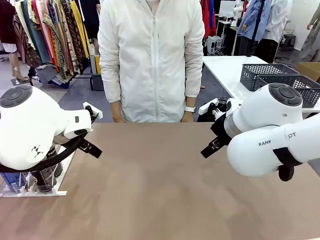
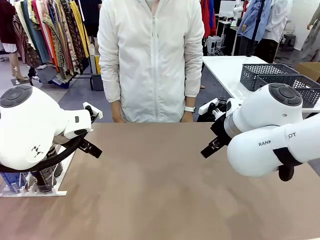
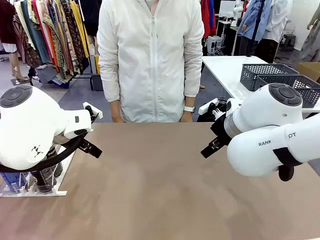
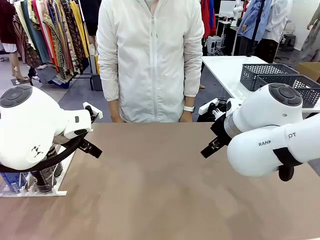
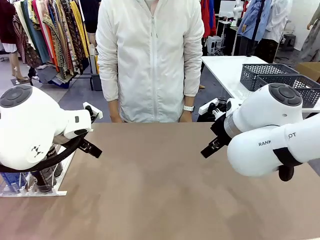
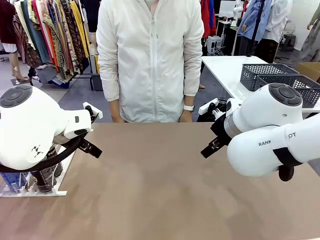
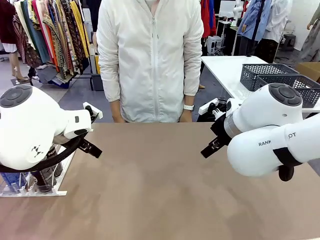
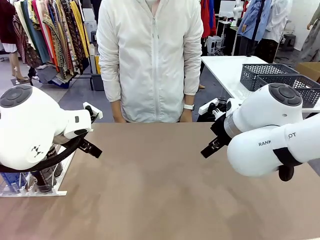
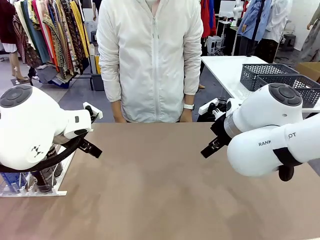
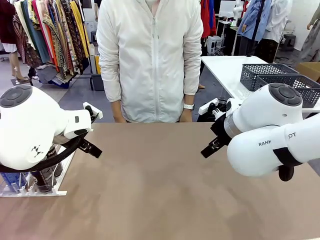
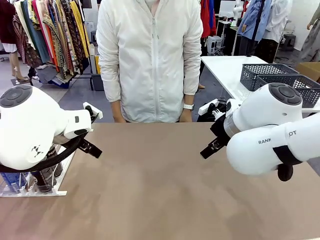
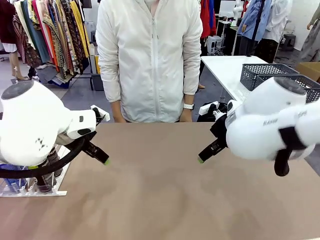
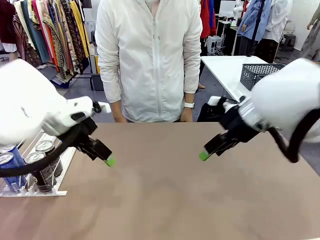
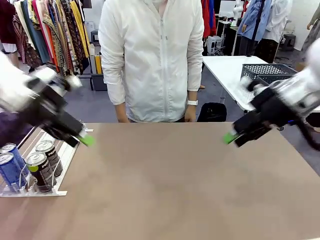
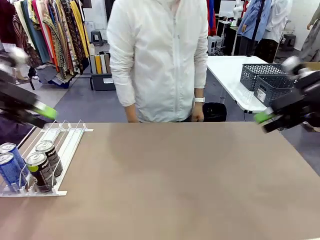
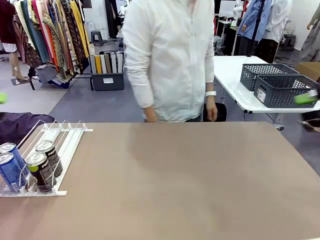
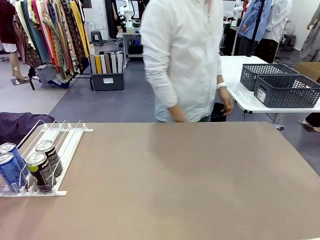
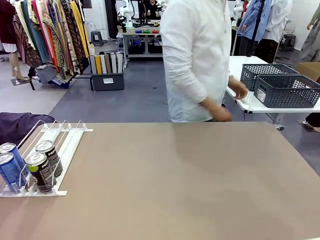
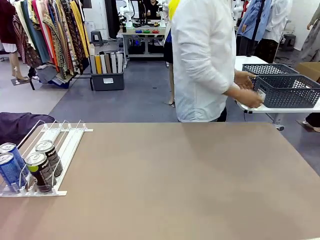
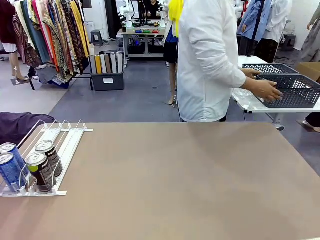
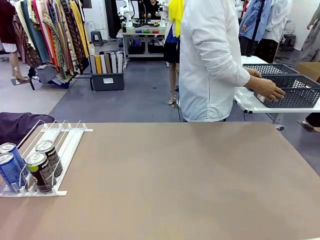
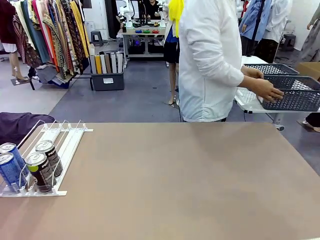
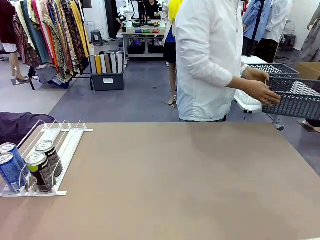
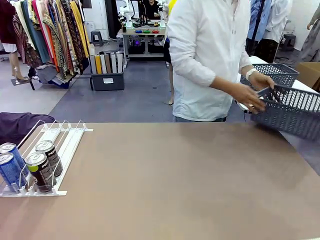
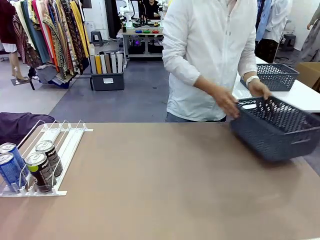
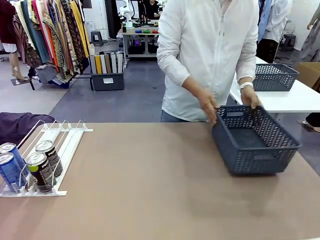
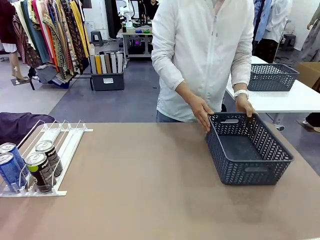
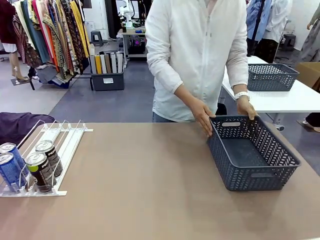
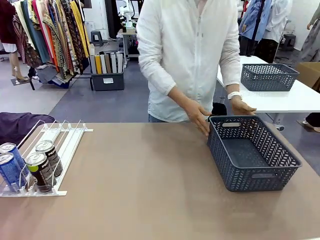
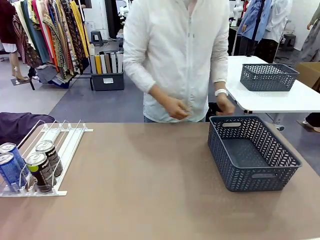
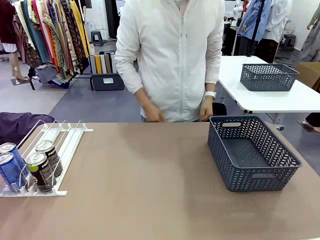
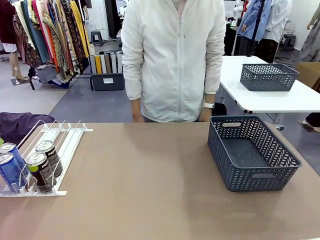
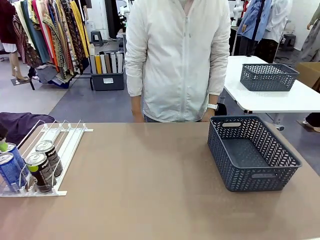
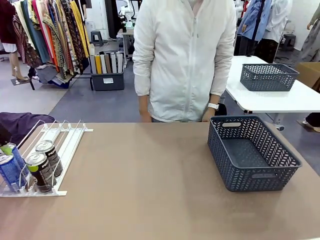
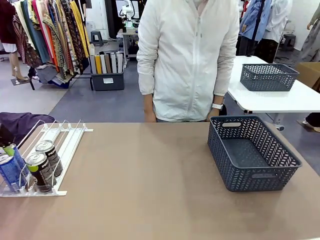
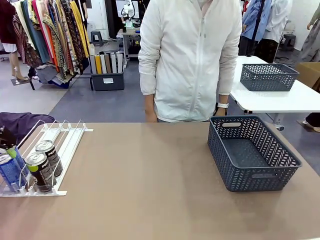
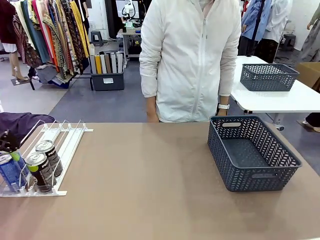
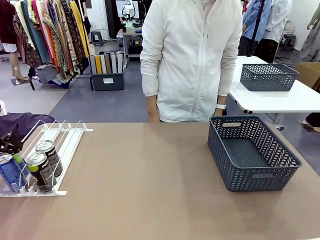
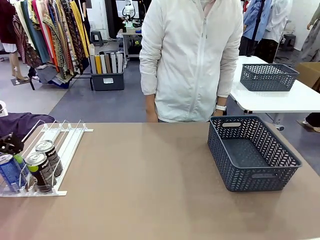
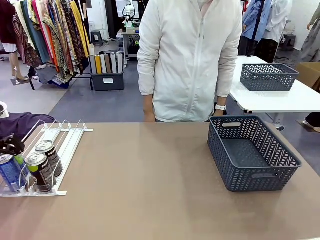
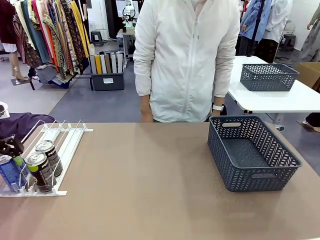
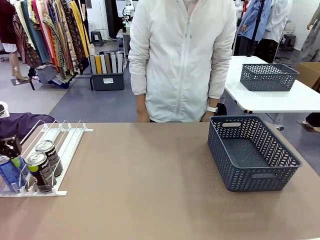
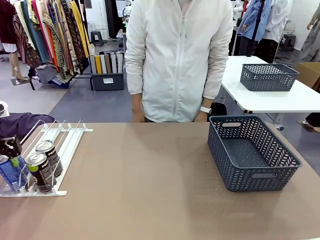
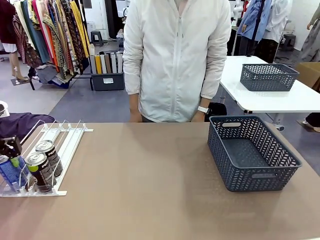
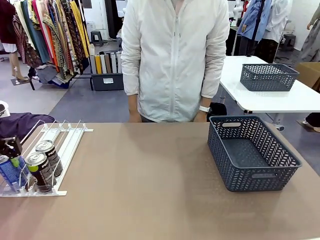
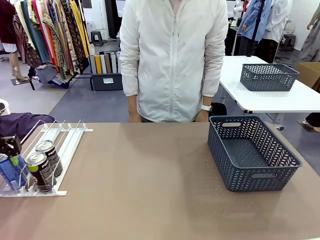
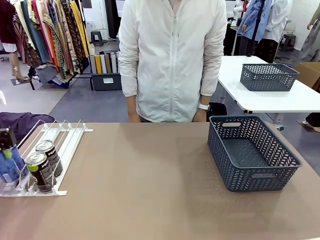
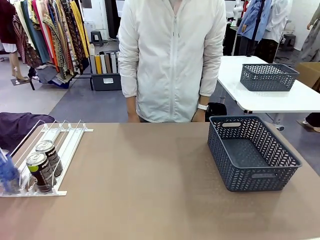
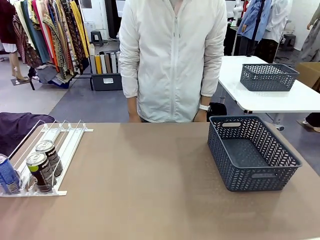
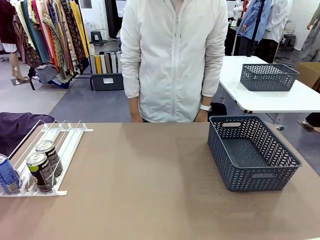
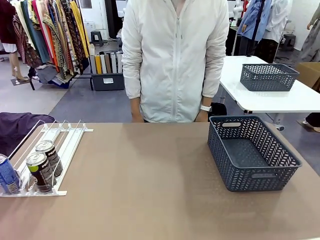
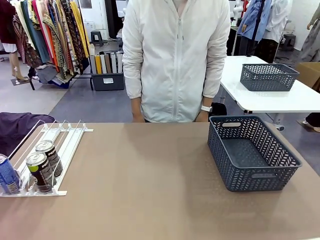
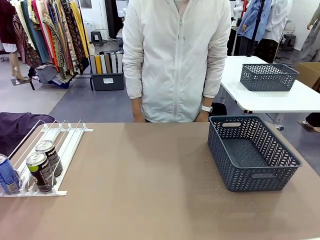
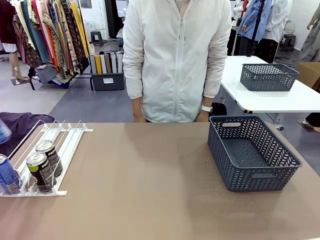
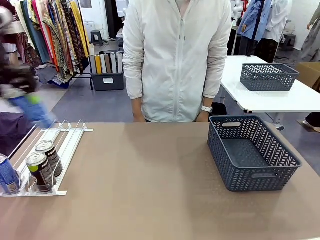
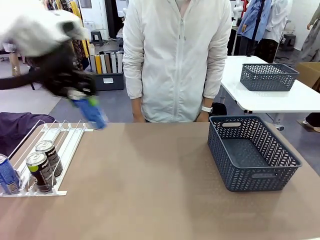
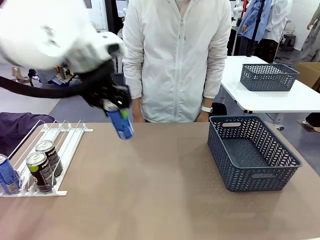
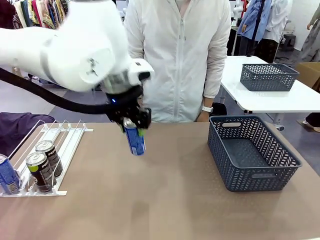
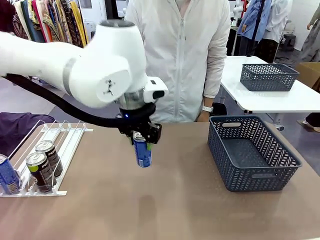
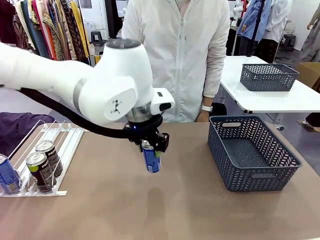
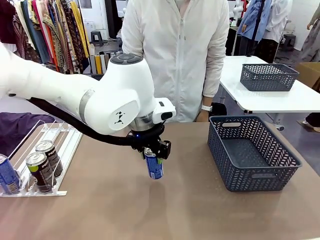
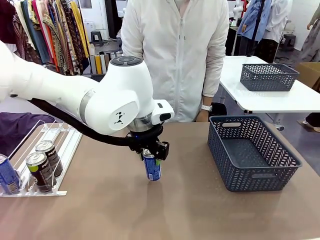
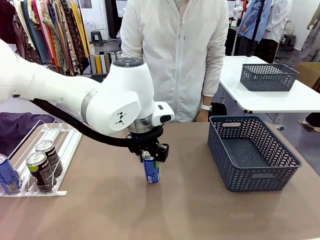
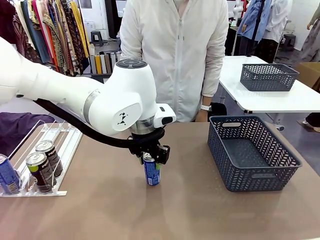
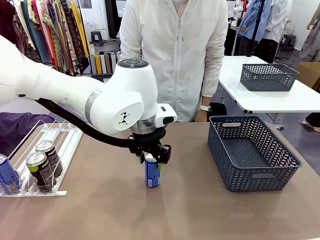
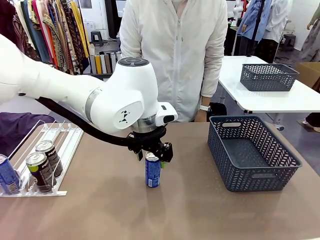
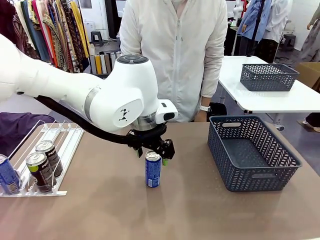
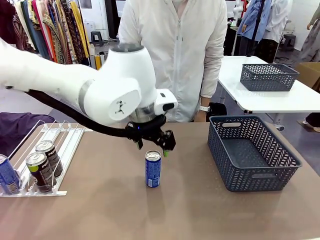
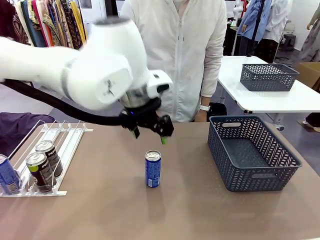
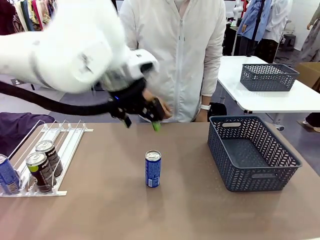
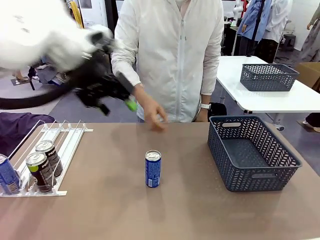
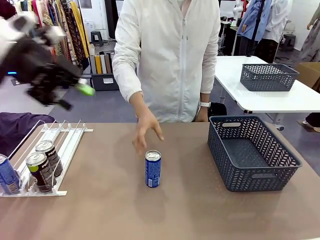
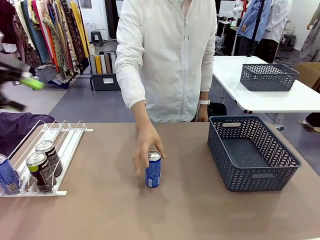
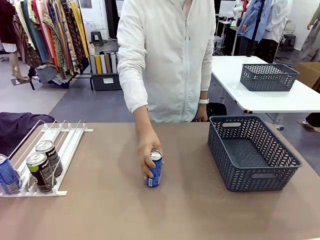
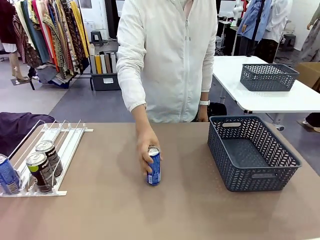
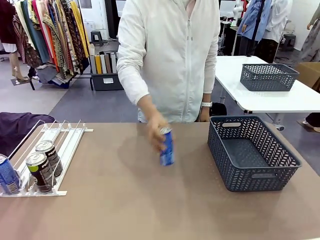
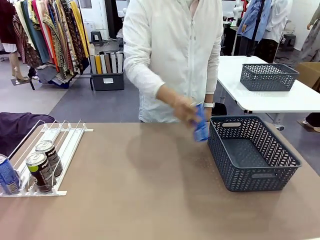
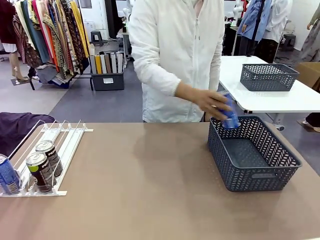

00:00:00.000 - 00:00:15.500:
Task: Retrieve and store the cans from the dispenser.
Robot: Pick up one can from the Automatic Can Dispenser and place it in the middle of the table.
Person: Pick up the basket and place it on the left side of the robot table.
